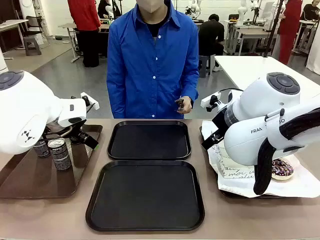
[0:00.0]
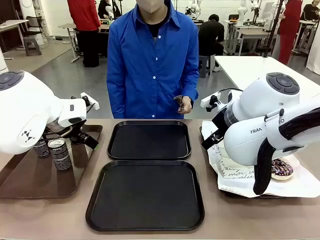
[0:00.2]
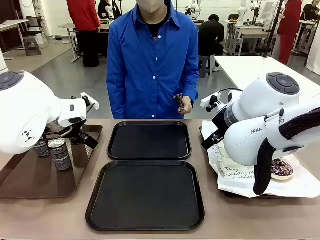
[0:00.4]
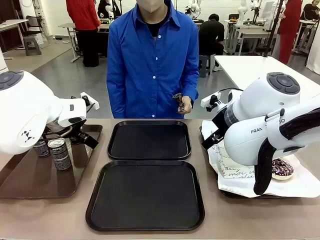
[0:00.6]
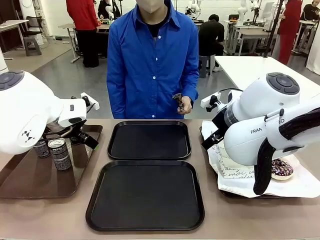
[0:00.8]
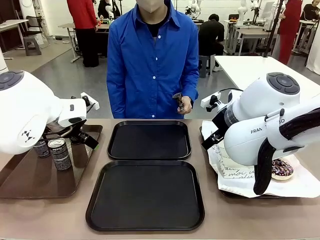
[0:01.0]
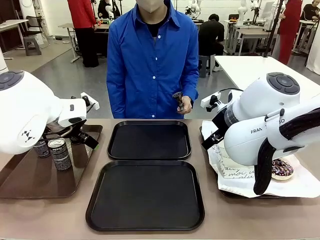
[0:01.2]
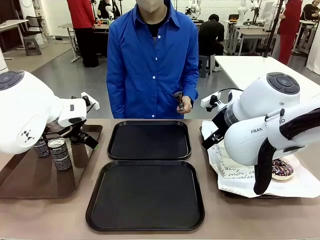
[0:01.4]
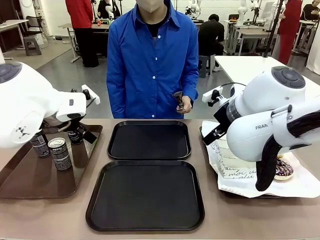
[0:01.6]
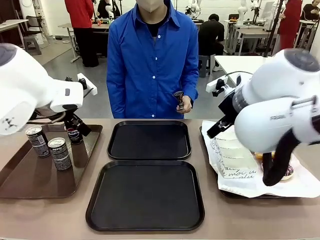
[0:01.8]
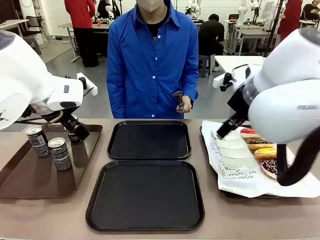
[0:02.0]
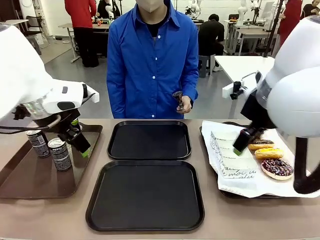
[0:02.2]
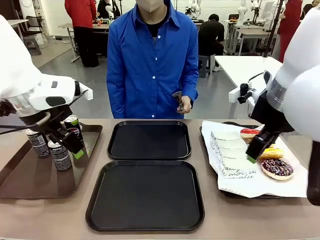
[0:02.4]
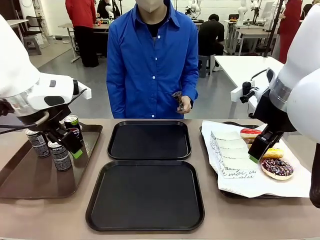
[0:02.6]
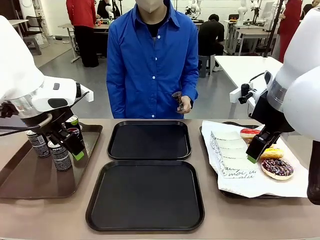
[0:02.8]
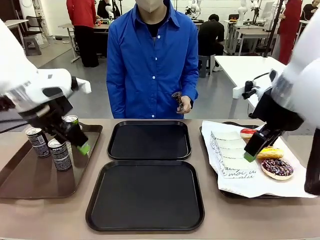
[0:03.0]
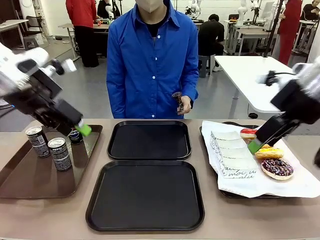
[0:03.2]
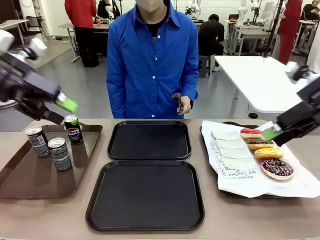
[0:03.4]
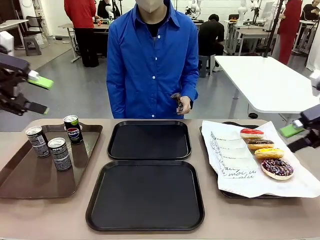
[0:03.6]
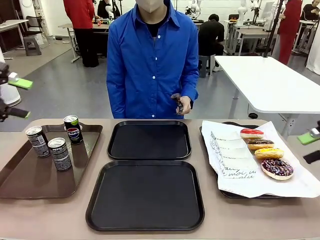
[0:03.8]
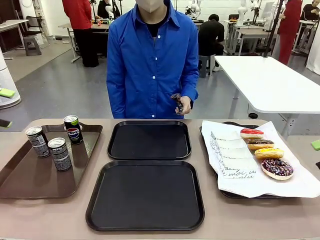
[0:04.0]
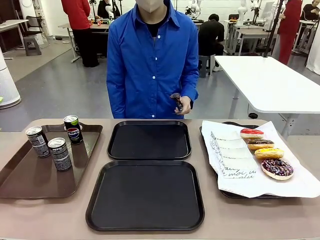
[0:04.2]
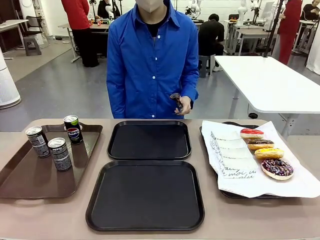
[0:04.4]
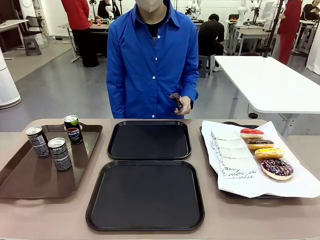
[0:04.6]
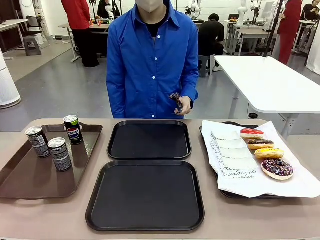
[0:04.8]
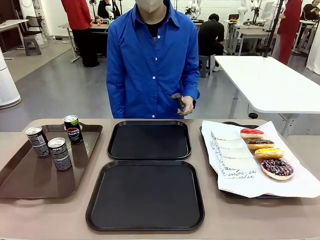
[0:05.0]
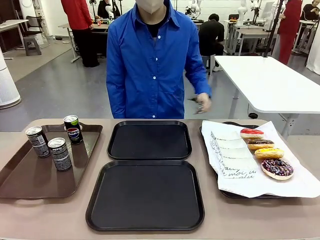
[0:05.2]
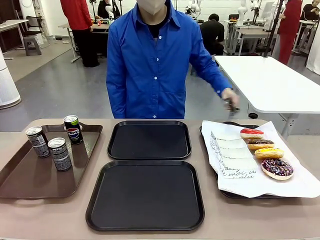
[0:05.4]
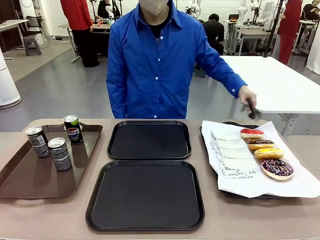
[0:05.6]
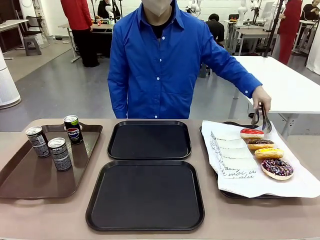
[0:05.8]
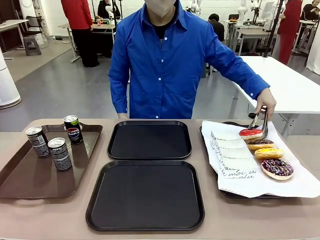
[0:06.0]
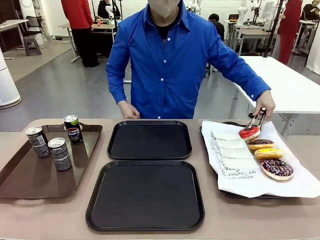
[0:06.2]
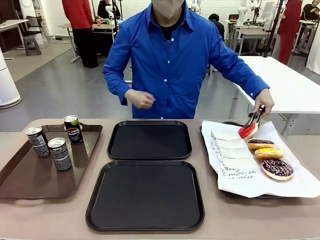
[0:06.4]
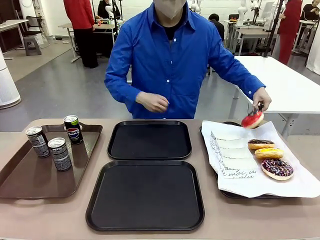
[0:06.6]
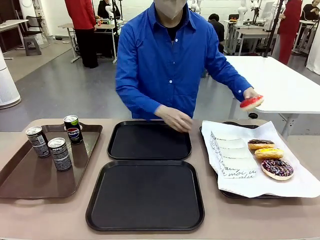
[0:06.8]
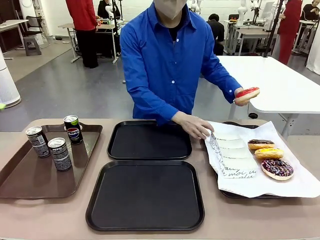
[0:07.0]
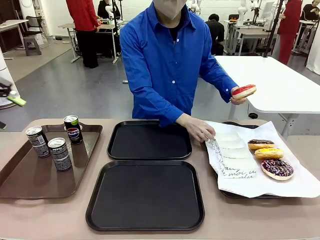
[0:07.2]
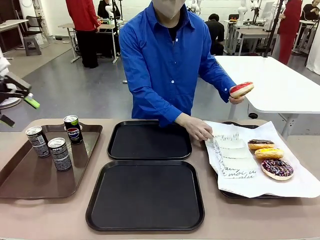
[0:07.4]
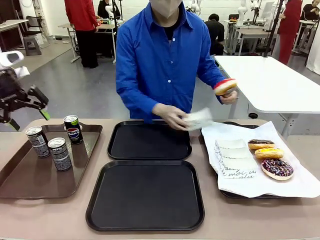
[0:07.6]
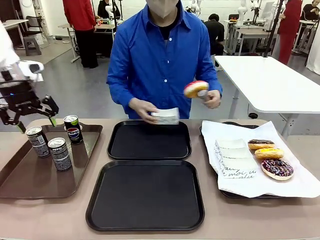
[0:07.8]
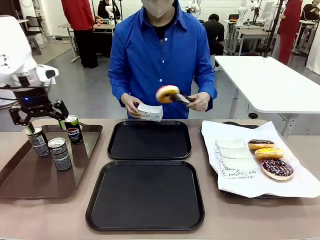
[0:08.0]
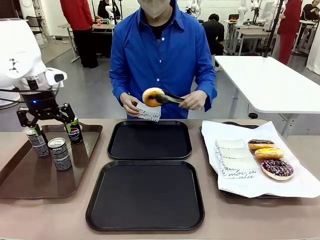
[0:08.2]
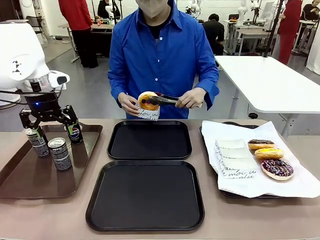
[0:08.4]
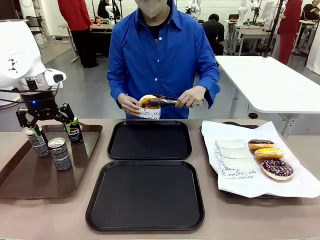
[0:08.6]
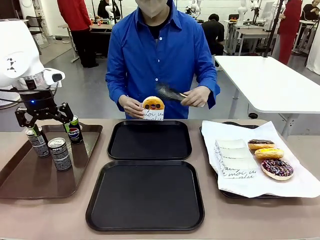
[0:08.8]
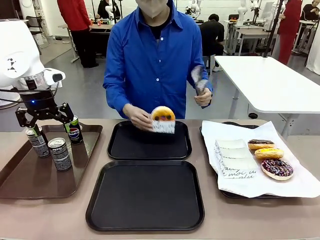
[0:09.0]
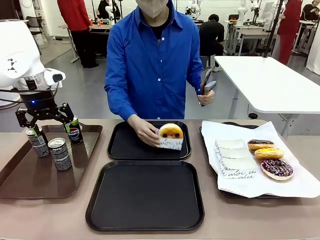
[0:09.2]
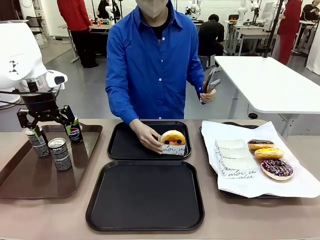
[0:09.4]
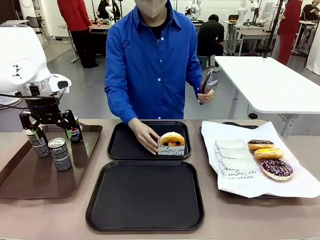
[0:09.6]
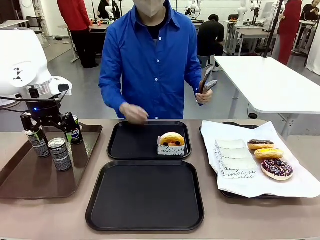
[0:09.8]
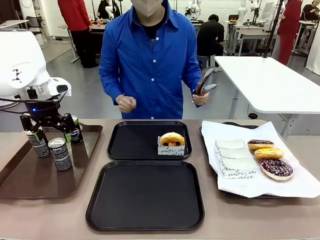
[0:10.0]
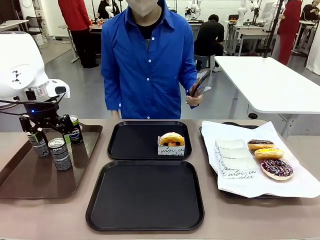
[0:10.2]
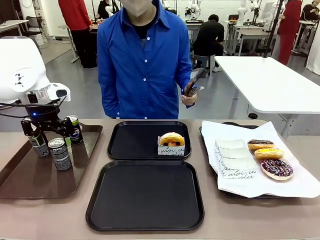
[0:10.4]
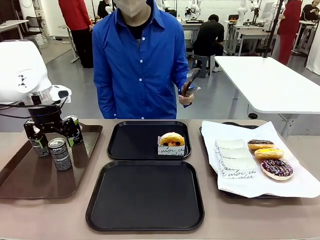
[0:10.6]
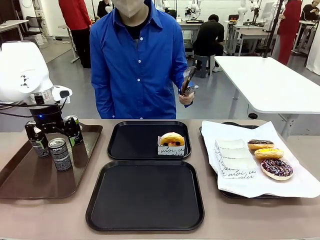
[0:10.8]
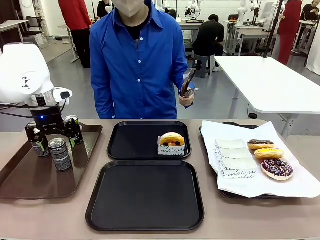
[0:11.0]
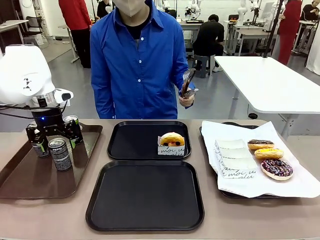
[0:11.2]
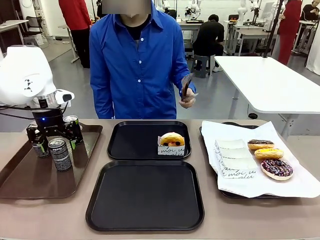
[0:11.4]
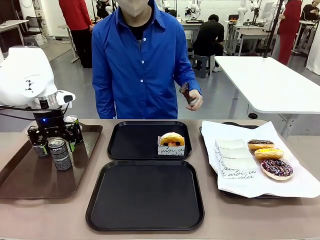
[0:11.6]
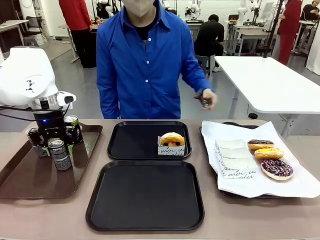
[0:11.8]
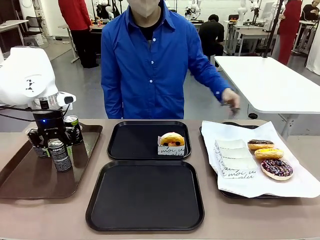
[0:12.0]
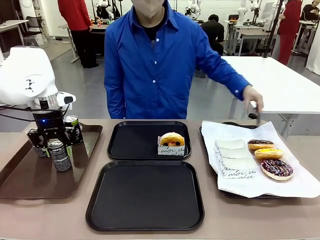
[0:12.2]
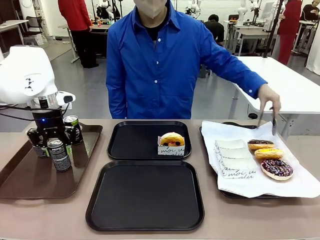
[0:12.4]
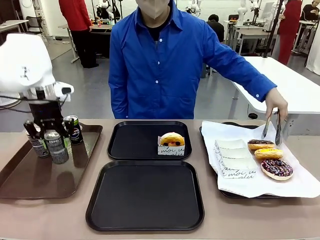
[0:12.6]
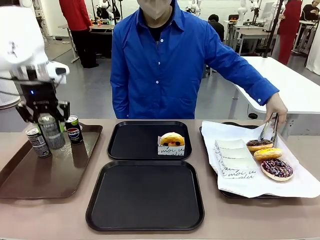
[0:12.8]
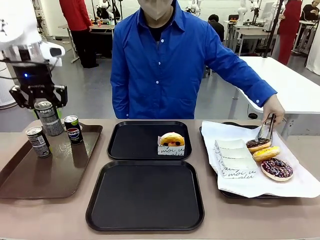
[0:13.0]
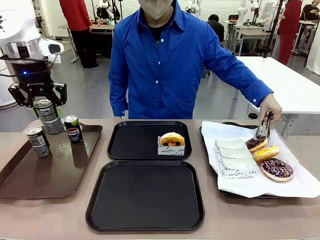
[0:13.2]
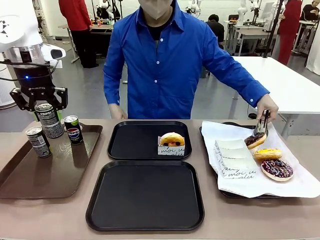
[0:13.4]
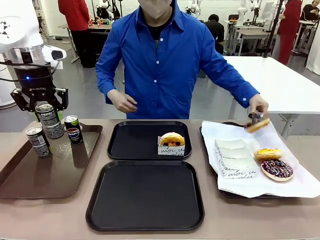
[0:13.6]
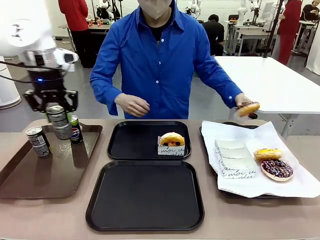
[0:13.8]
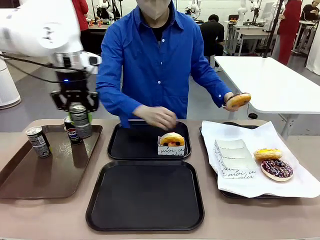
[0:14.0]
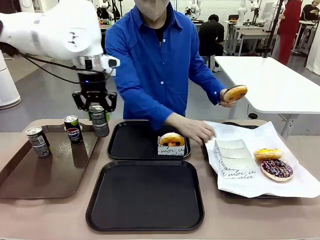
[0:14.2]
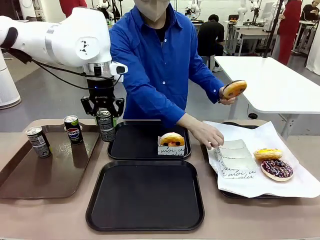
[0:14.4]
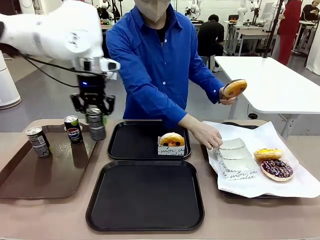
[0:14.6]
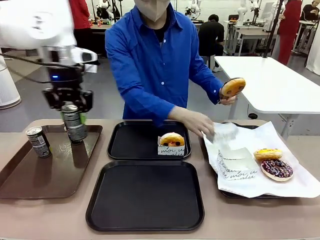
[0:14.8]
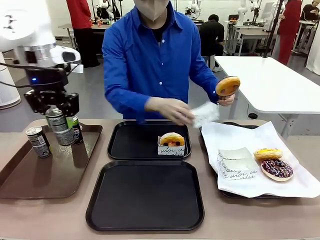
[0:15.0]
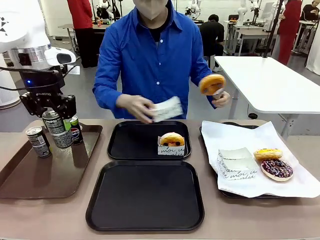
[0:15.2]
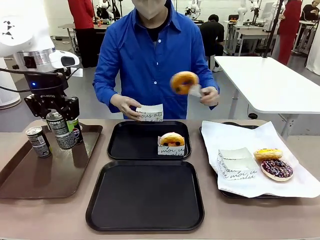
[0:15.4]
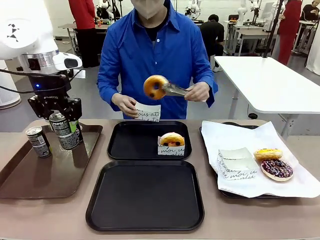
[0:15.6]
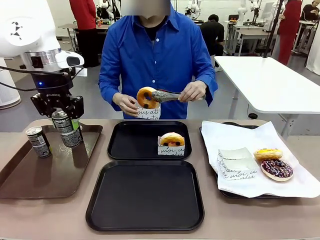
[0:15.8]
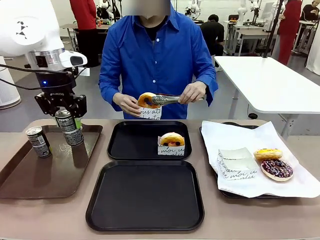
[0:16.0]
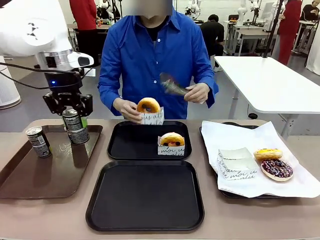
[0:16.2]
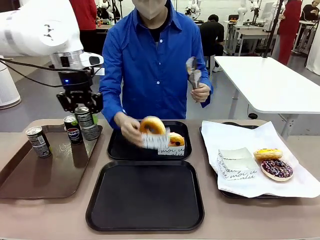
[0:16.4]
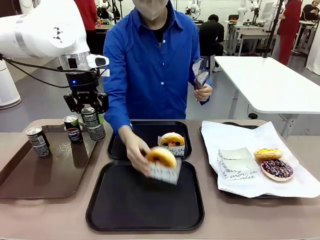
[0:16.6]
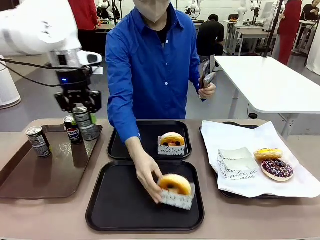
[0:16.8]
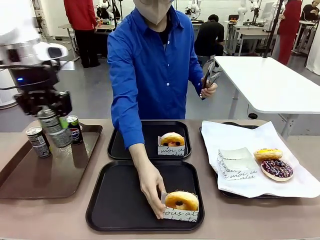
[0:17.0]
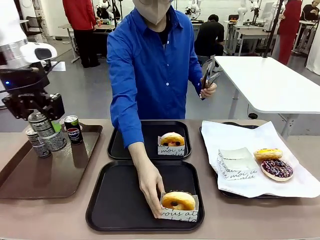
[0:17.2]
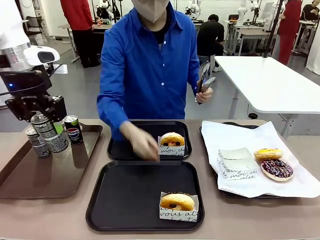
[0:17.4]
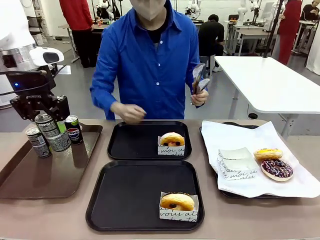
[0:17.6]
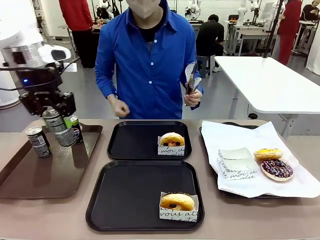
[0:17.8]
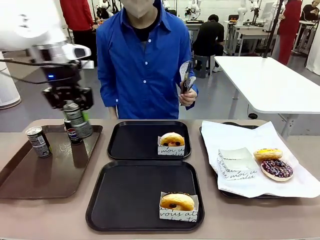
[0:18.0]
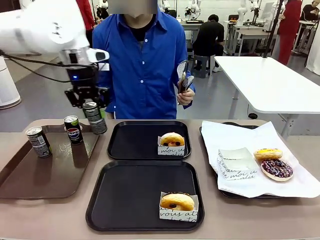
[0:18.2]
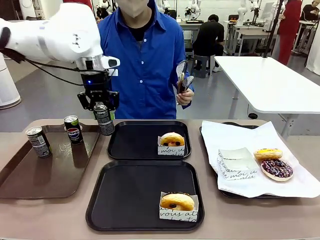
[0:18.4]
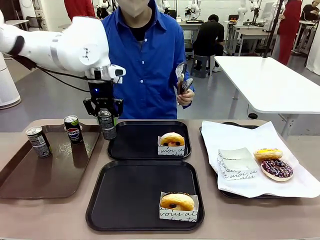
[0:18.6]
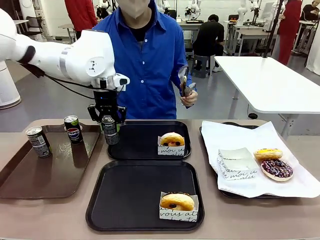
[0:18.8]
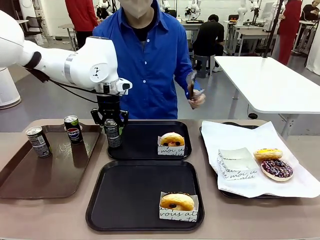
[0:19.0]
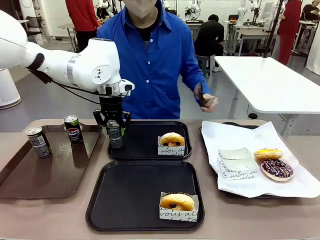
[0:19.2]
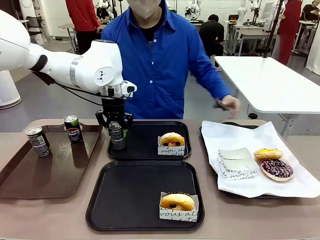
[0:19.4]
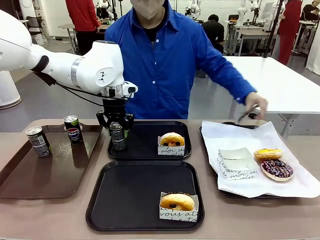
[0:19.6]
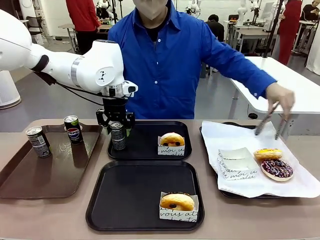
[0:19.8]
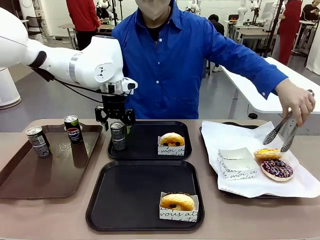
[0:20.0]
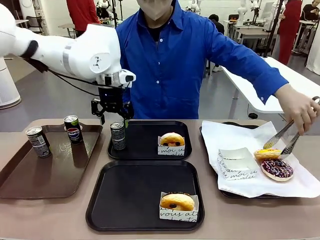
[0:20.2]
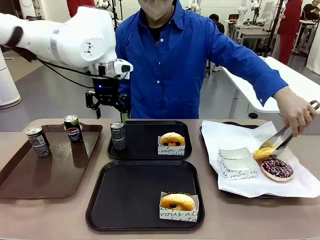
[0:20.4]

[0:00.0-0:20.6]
Task: Set up donuts and drinks on trays.
Robot: Pick up one Pepsi coke and place it on the Flat Tray.
Person: Pick up one donut with tongs, place it in the donut tray, and then place the donut tray on the flat tray.
